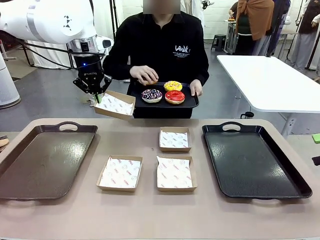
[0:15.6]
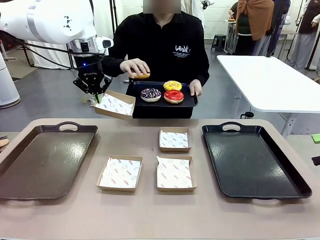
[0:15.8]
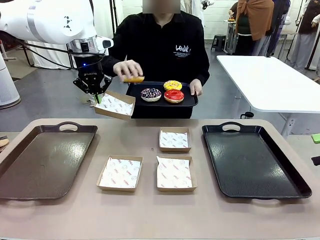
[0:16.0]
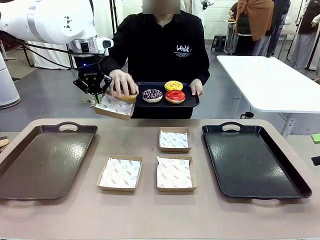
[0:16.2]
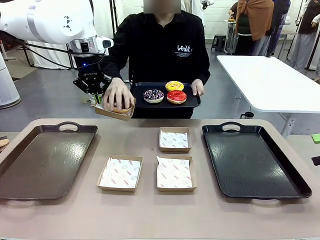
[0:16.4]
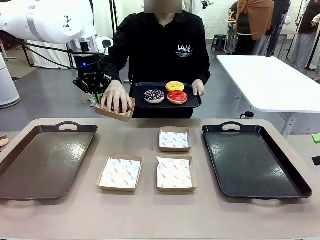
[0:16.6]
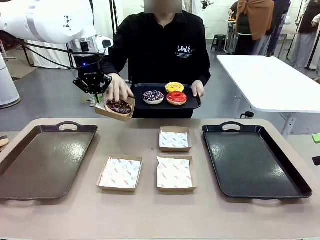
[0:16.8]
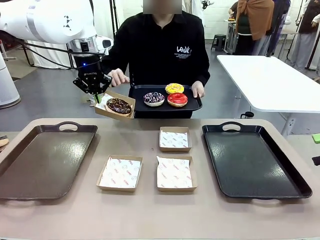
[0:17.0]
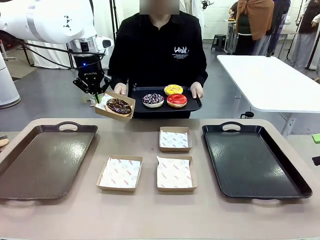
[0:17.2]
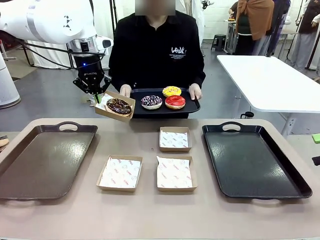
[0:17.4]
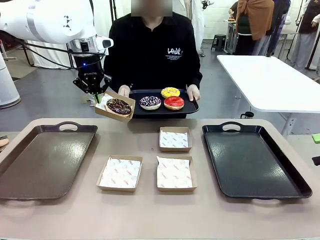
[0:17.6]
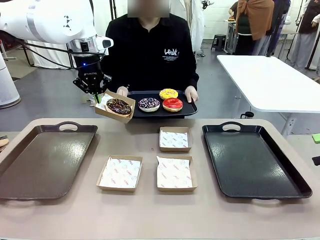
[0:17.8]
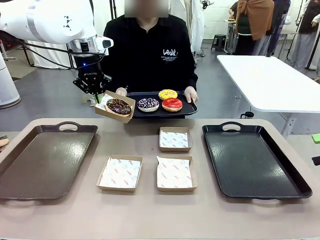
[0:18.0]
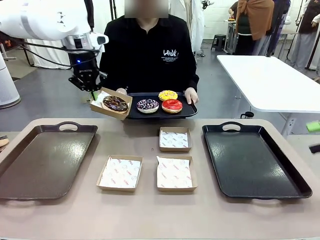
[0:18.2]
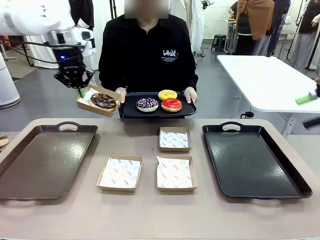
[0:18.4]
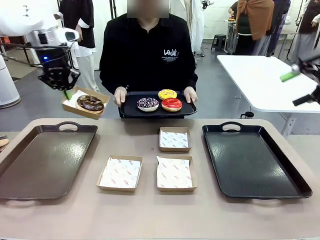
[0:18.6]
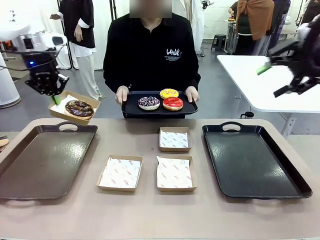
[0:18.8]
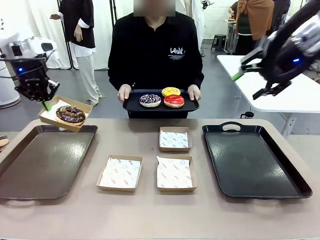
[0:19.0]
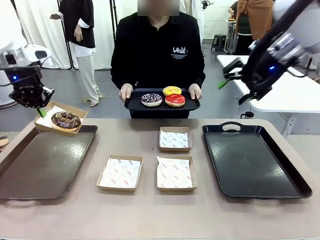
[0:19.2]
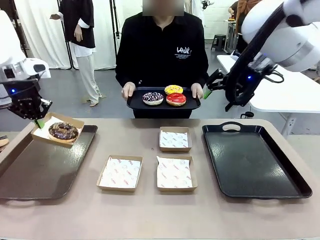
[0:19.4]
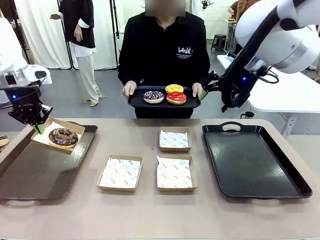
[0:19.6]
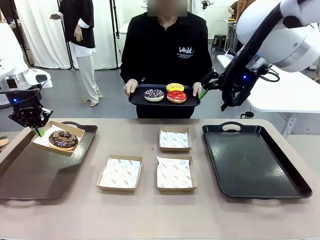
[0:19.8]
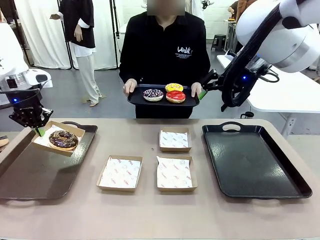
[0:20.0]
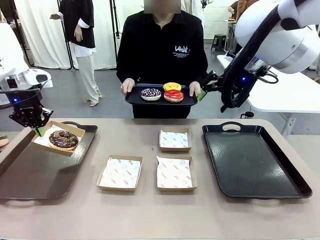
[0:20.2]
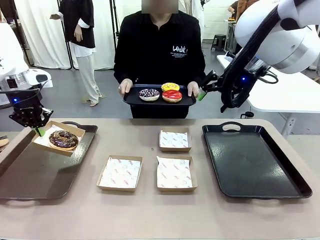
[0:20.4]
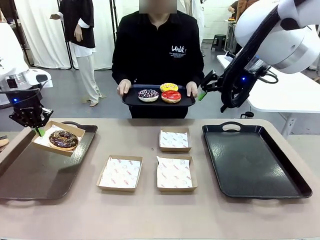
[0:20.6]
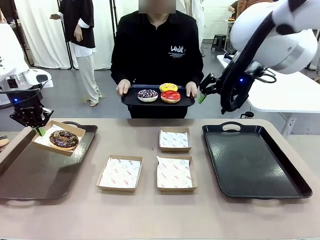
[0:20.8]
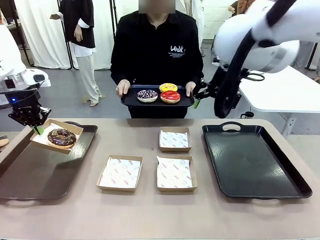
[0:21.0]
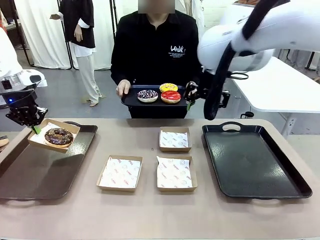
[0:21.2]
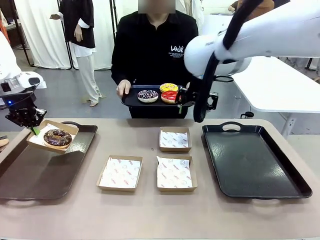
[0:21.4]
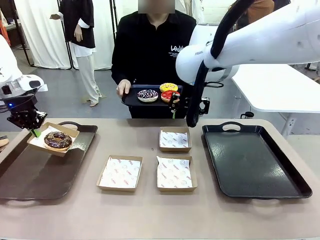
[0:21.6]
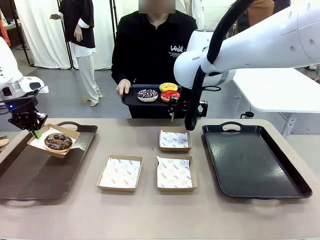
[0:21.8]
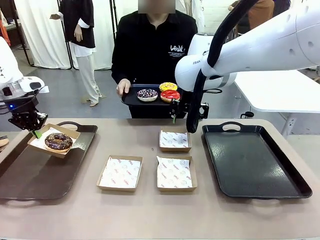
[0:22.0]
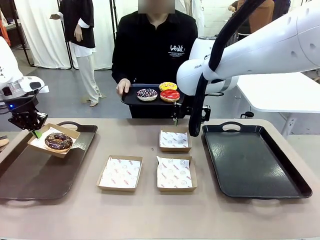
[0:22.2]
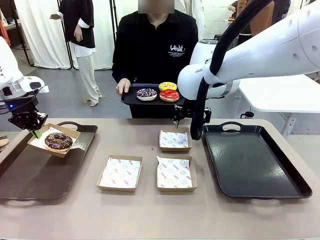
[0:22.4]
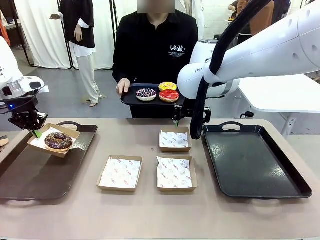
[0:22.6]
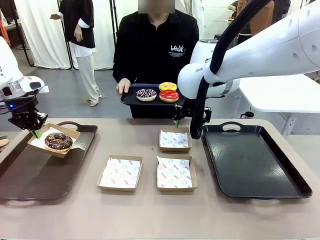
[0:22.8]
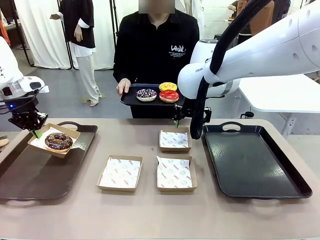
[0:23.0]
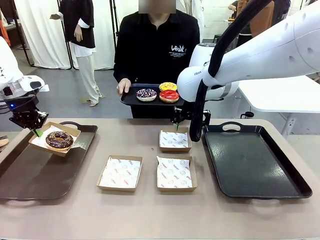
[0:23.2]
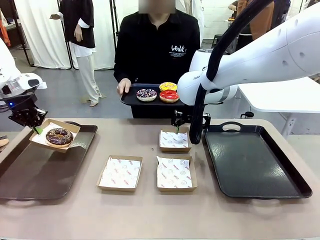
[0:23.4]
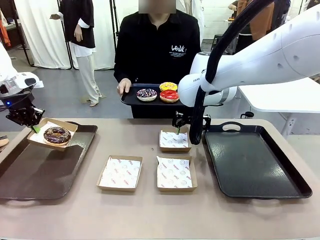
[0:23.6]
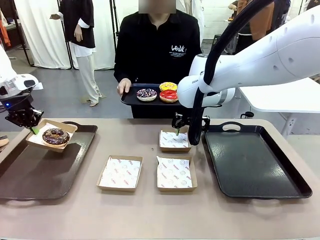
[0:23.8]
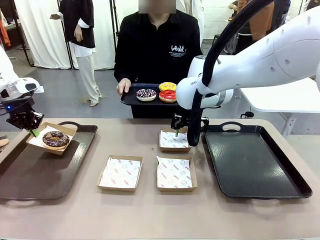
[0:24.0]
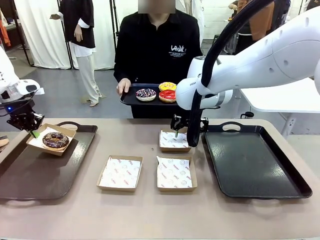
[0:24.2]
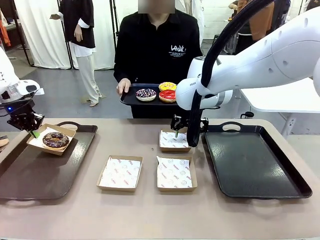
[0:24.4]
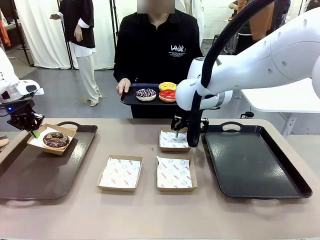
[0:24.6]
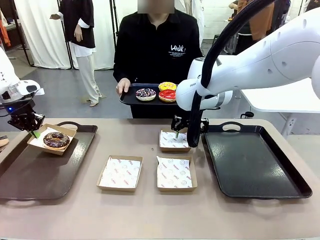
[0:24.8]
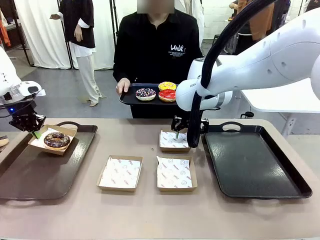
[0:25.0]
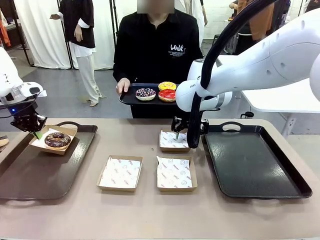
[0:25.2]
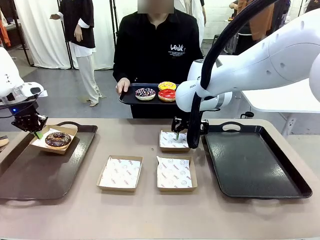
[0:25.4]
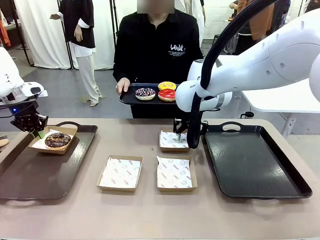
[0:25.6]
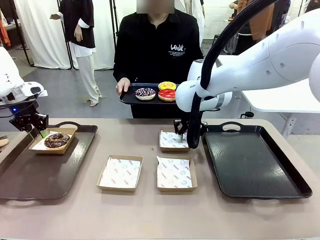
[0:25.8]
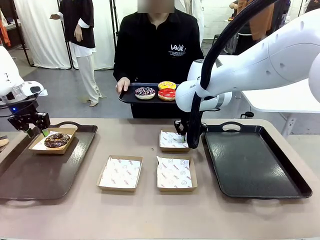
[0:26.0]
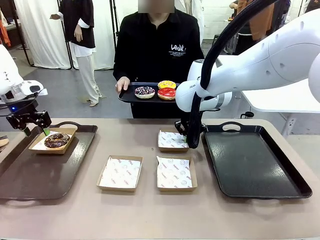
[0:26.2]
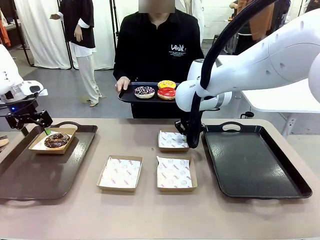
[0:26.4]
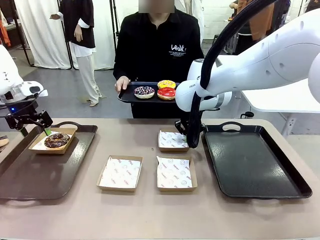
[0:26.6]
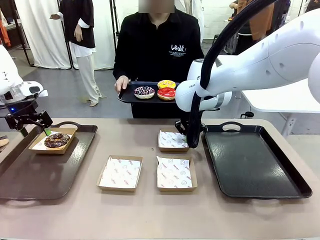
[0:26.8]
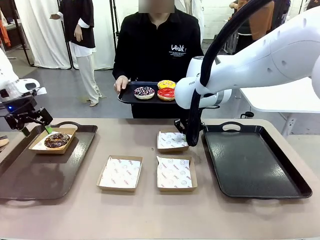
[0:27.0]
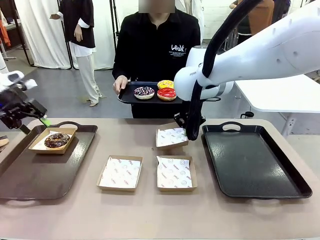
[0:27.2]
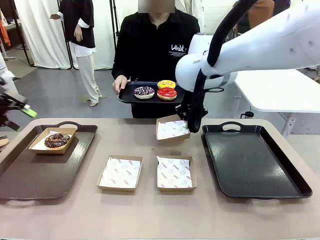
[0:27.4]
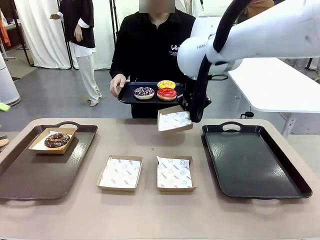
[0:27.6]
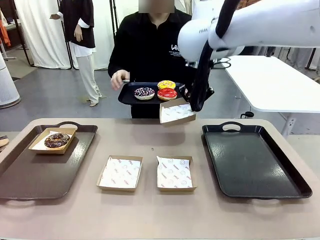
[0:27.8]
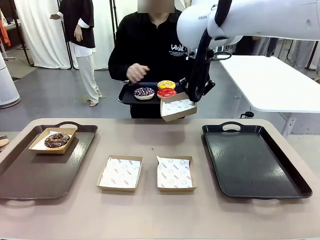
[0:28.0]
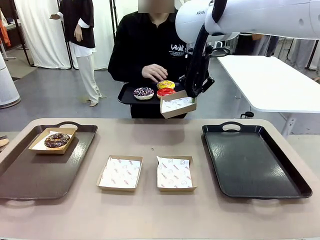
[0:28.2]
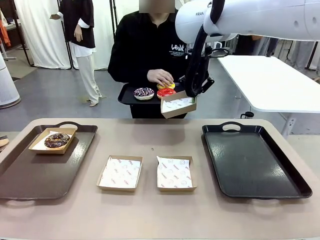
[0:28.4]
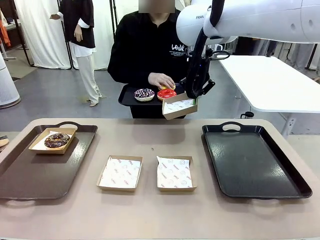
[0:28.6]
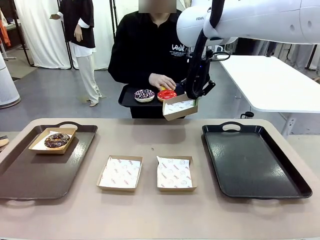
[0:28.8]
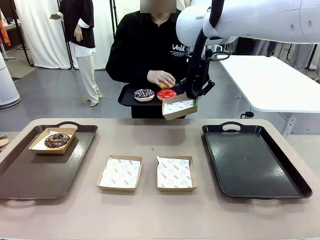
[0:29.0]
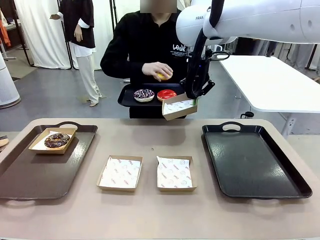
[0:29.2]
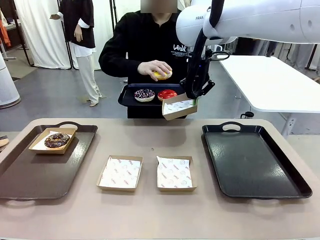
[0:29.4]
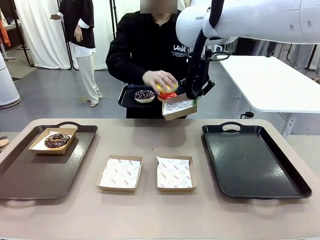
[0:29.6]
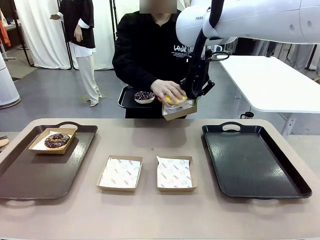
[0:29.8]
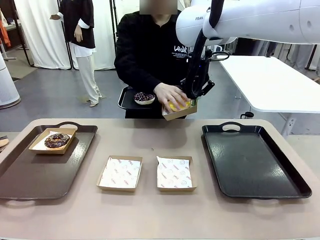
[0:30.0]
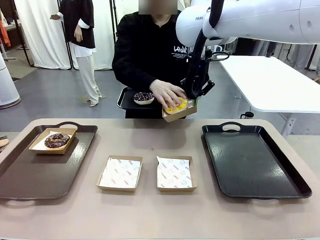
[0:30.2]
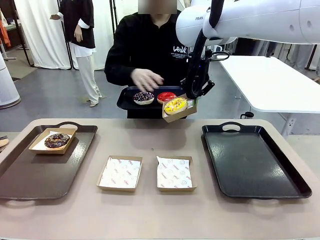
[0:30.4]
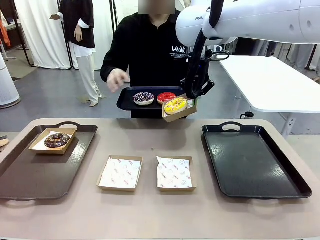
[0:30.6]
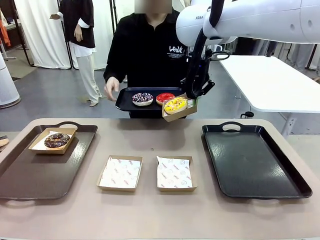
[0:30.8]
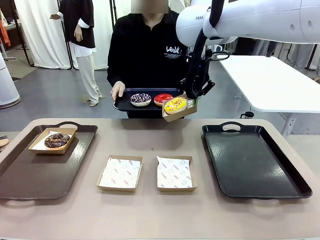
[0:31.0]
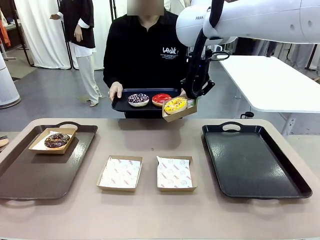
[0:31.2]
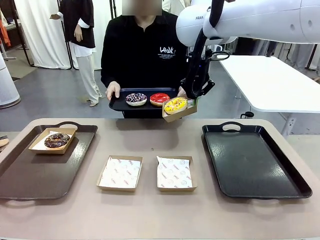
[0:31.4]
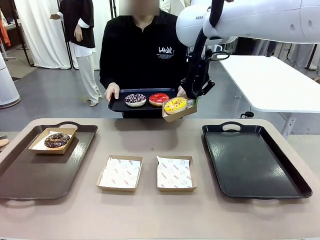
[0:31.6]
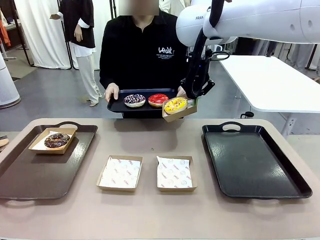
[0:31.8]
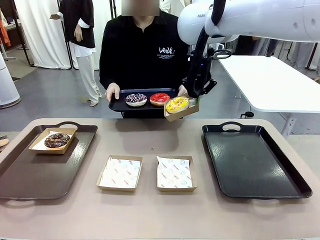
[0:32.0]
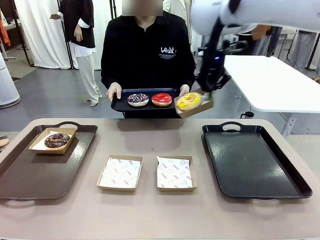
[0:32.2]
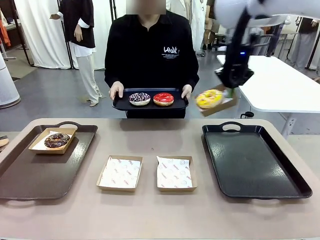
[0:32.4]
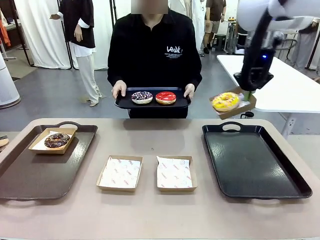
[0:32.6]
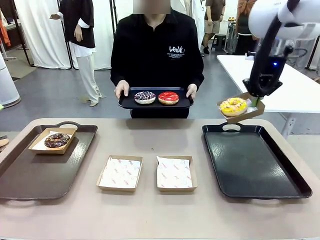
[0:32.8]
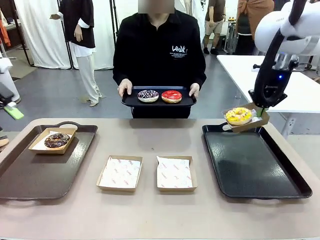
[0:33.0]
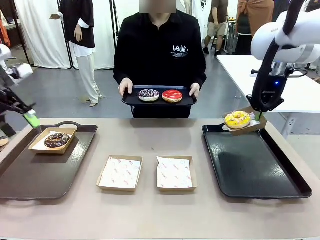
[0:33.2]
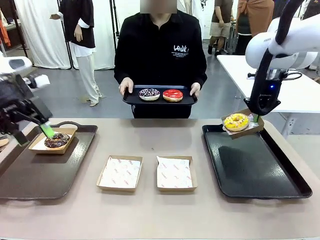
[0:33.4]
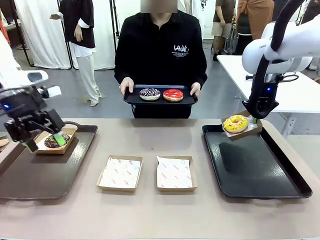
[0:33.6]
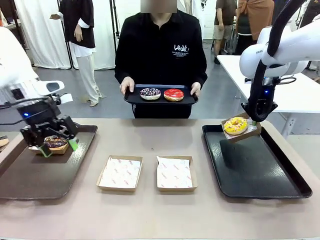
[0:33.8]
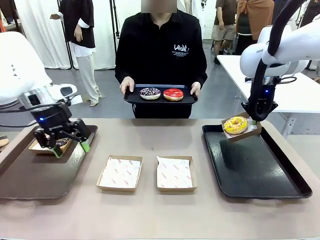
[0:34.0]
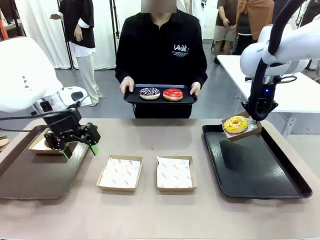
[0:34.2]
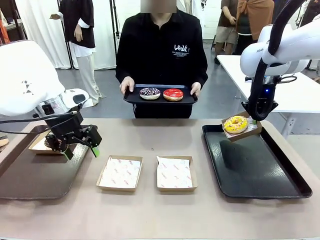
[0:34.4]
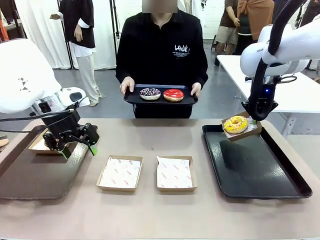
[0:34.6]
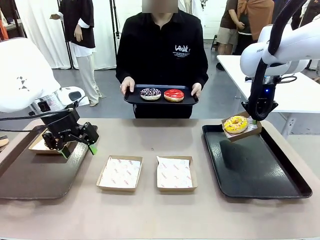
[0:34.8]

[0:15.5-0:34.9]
Task: Individually package the donuts and arrange them on the tray.
Robot: Place the picked Paper togo box on the Handle tray while simultaneously picking up another Paper togo box from the table with the other hand.
